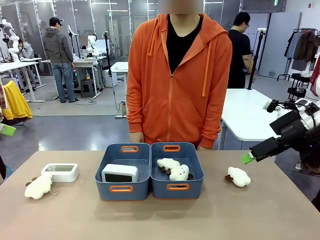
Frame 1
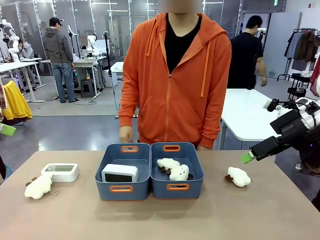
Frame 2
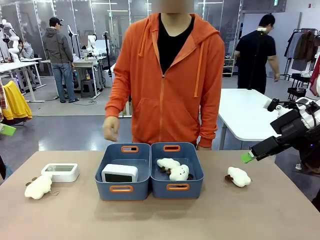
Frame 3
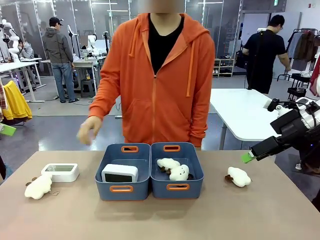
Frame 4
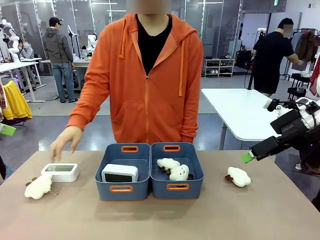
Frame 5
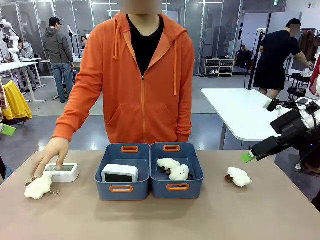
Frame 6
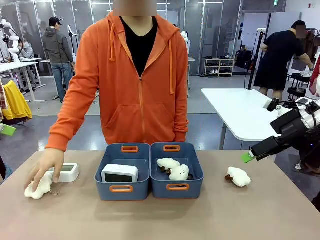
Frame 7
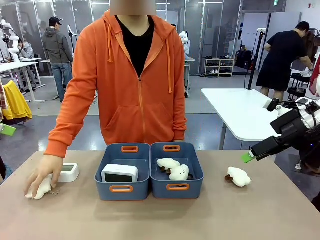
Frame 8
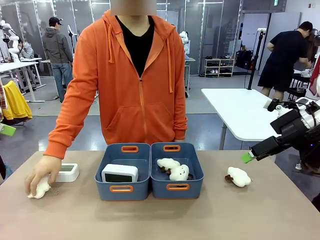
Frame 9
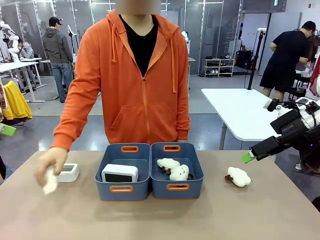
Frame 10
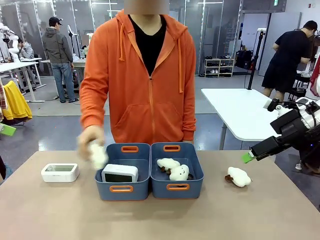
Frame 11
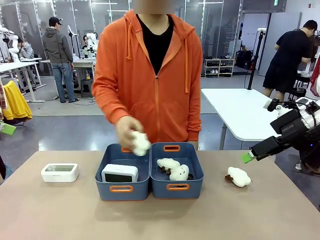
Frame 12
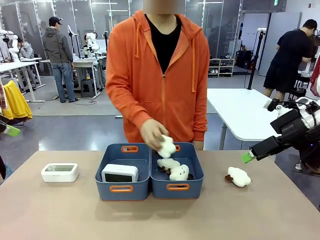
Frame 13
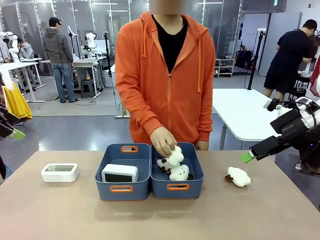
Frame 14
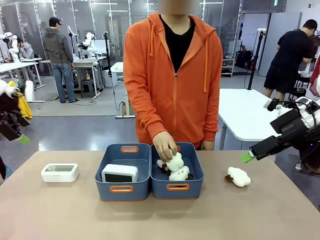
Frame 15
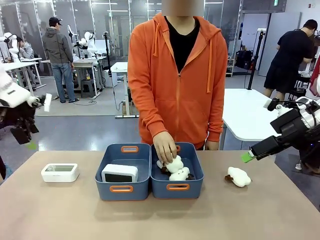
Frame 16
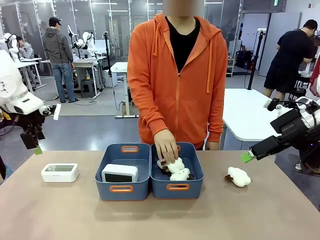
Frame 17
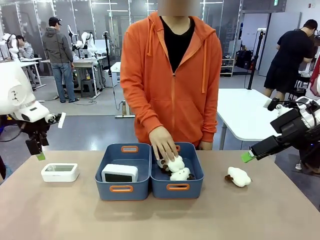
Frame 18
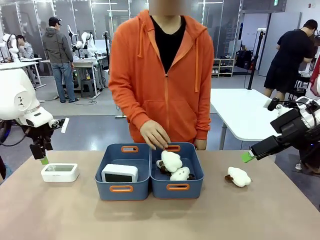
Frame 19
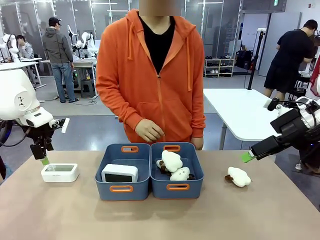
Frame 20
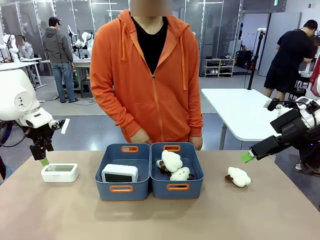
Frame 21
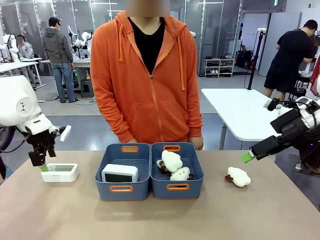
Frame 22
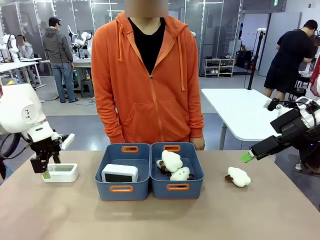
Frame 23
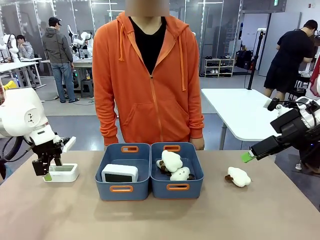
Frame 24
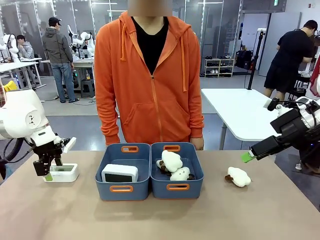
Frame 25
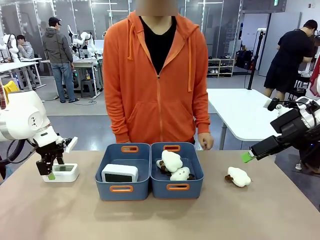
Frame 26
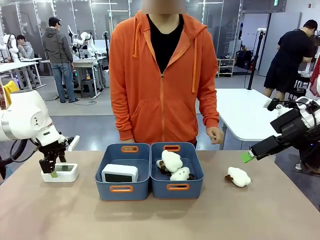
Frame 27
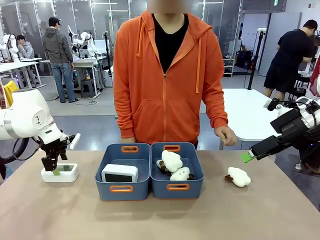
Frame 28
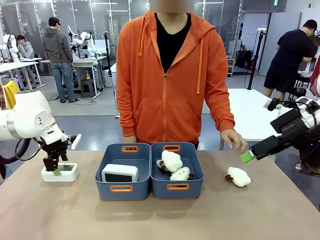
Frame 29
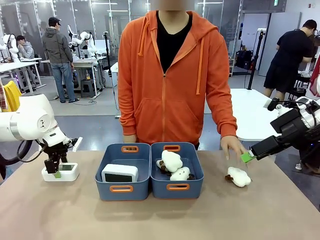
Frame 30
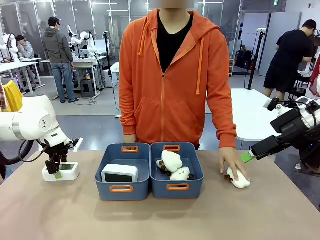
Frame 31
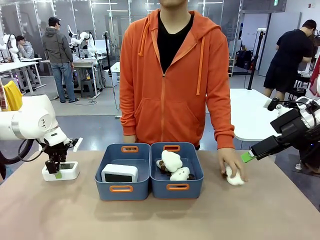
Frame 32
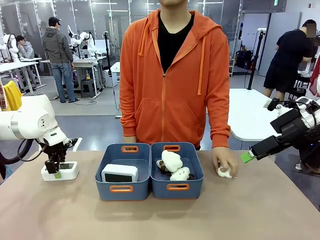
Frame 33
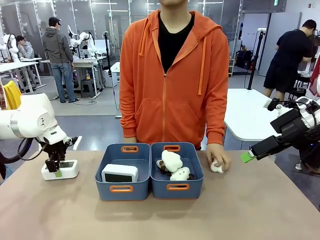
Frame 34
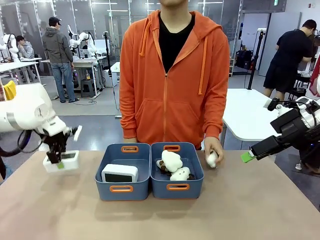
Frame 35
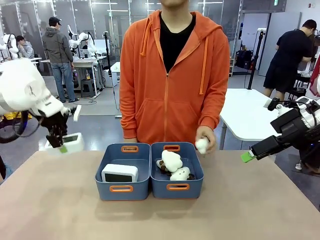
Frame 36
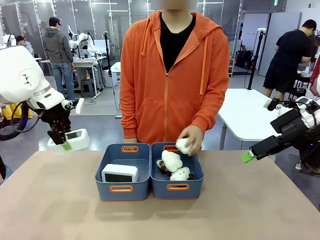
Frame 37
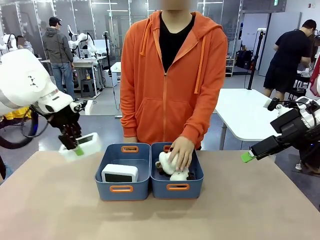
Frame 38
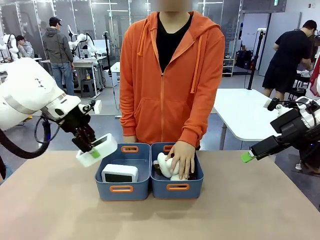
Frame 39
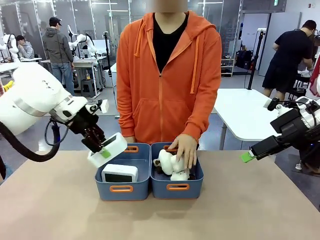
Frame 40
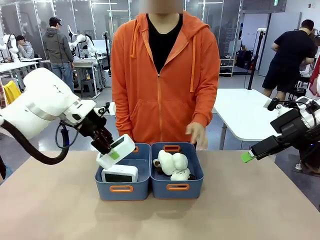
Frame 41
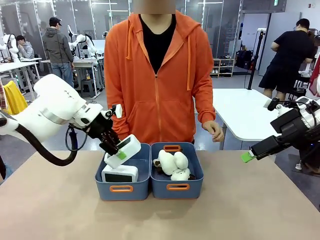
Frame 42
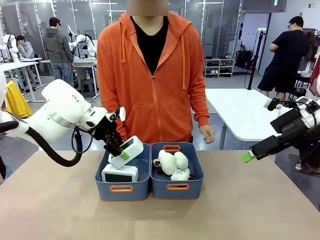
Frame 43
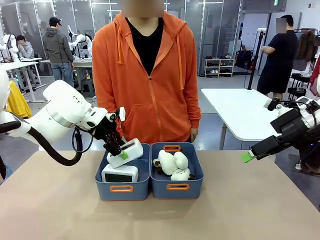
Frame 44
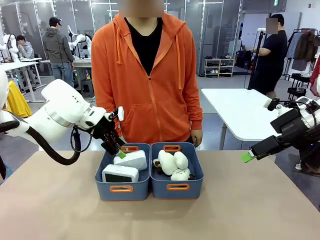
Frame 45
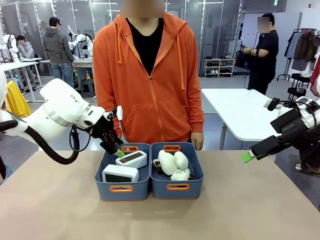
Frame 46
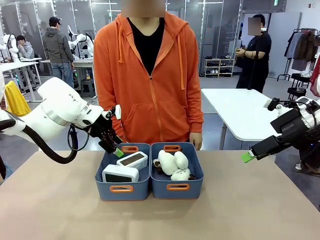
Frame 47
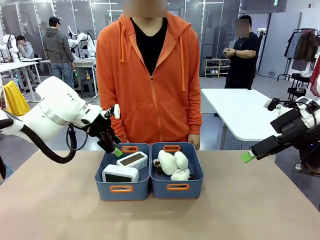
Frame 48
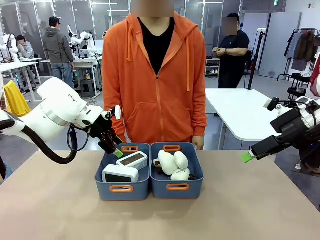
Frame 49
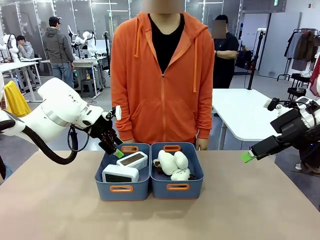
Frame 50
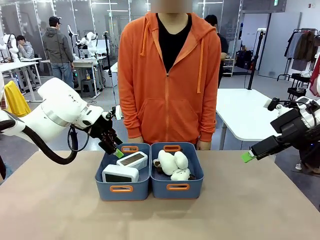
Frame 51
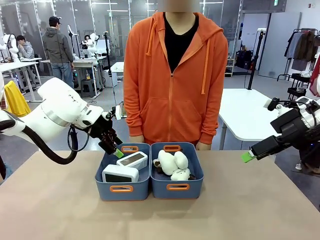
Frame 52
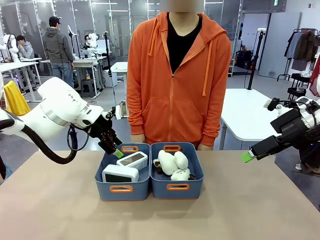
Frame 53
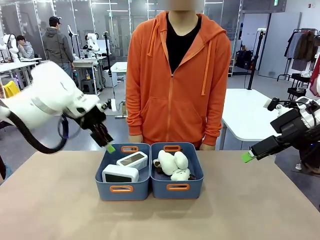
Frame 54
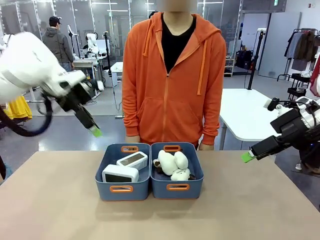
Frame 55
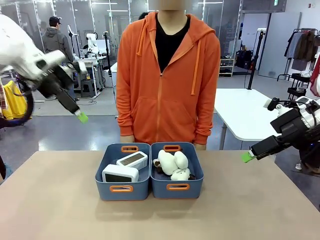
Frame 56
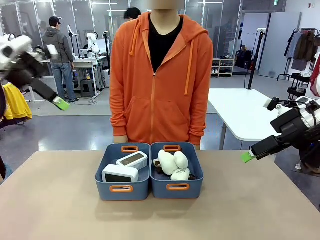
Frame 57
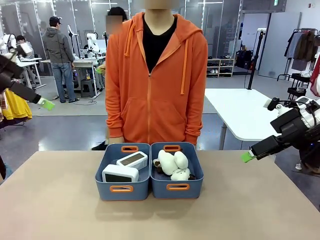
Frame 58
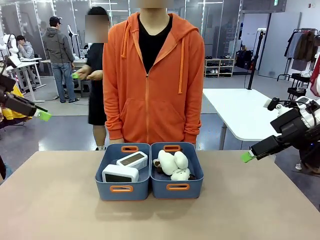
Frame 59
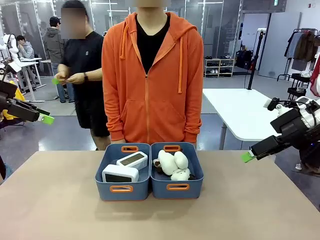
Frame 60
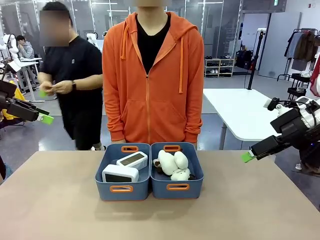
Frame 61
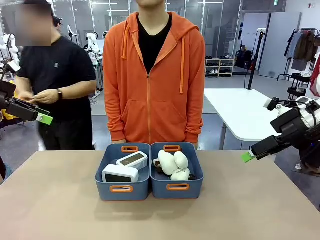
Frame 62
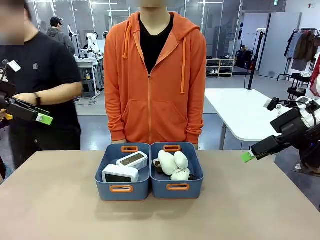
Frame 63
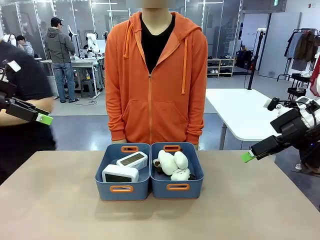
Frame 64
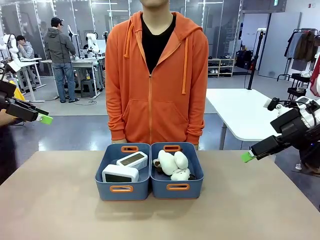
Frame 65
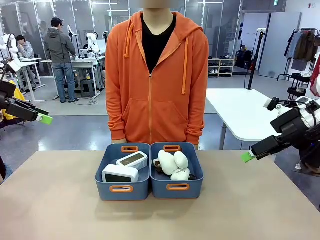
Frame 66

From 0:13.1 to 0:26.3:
Task: Sort the digital clocks into the basket.
Robot: Pick up the Digital clock from the table and place it into the empty Plastic storage basket.
Person: Pick up a plush toy from the table and place it in the plastic storage basket containing the plush toy.
